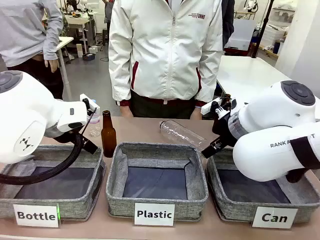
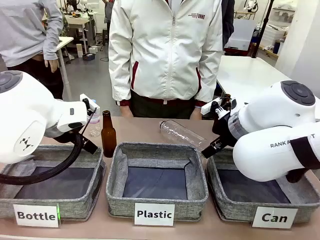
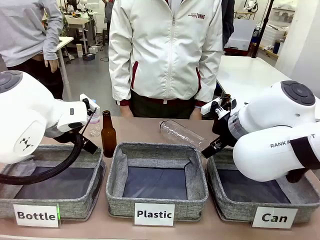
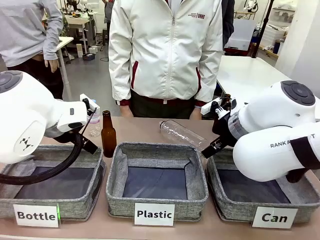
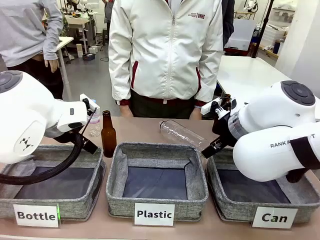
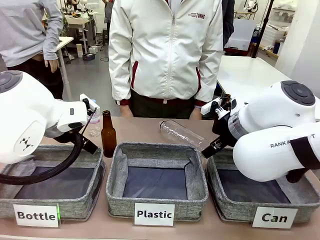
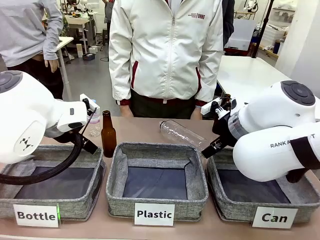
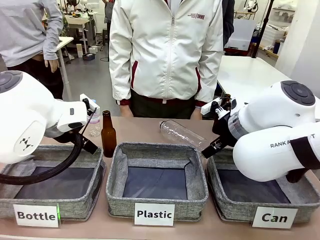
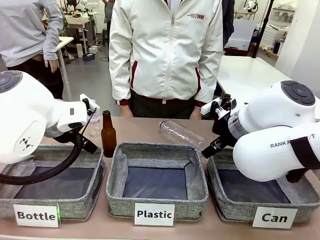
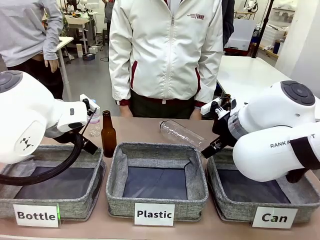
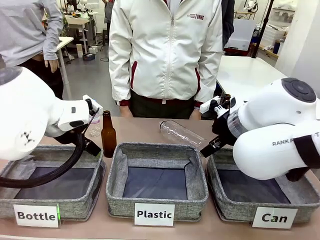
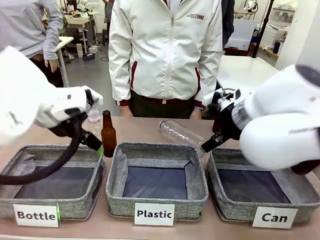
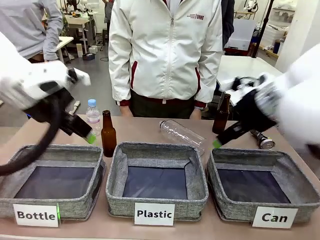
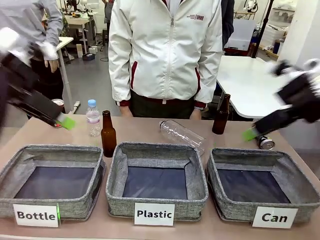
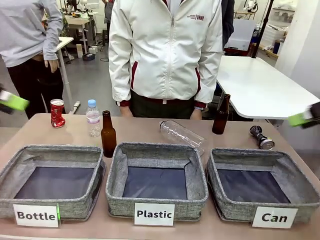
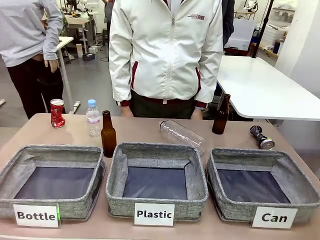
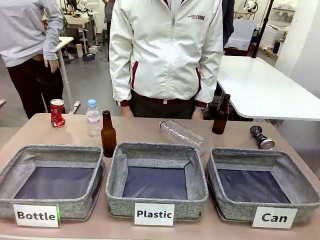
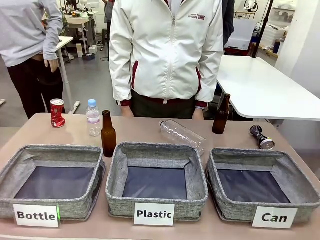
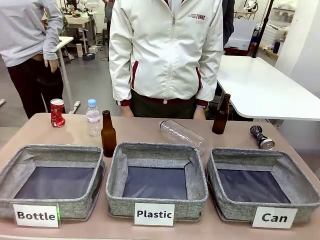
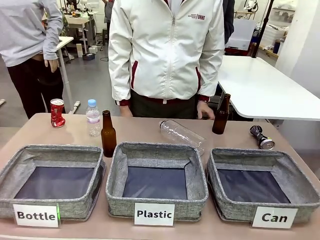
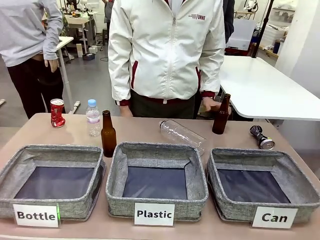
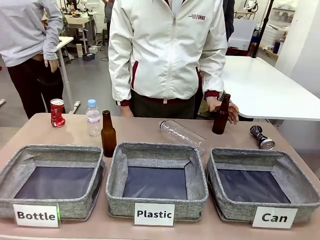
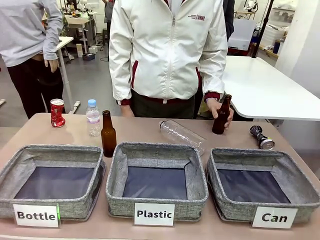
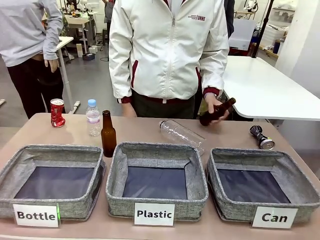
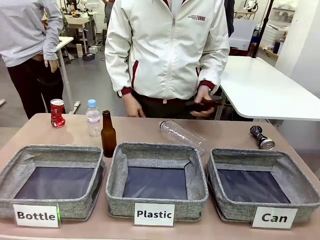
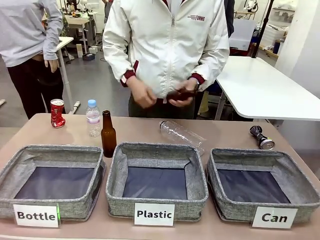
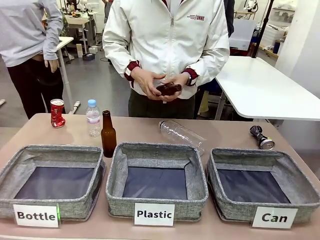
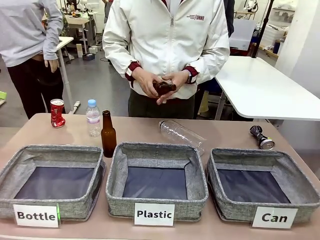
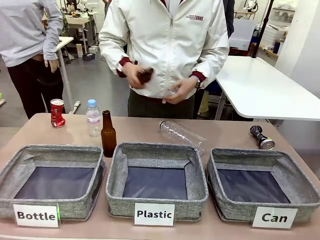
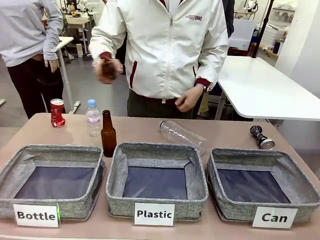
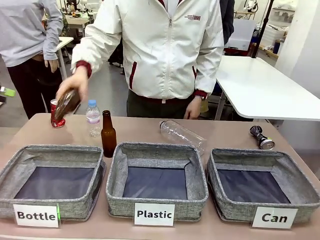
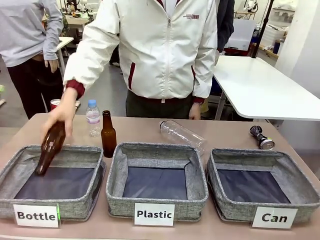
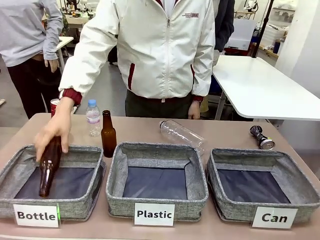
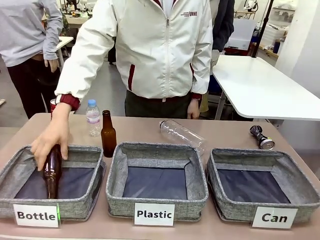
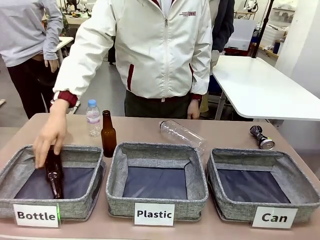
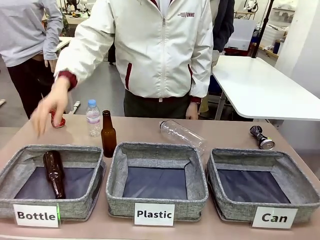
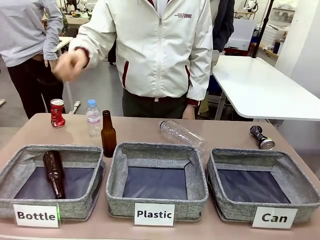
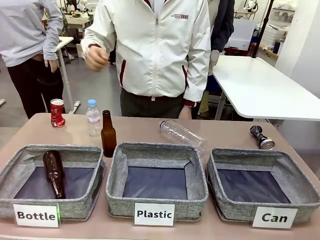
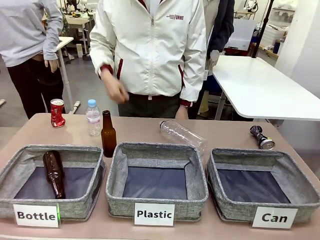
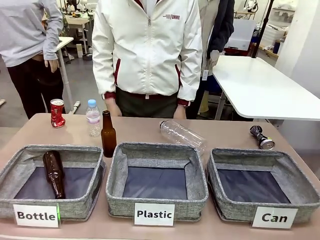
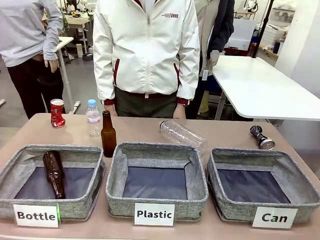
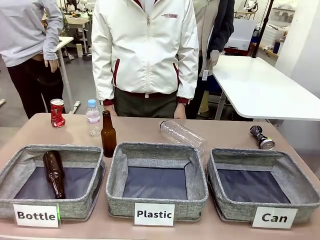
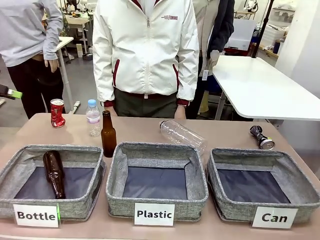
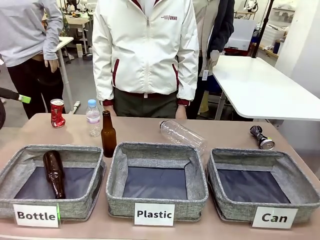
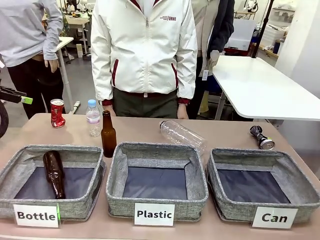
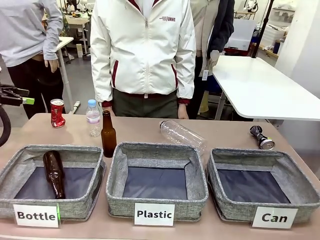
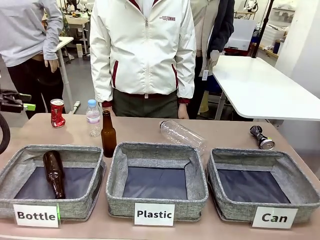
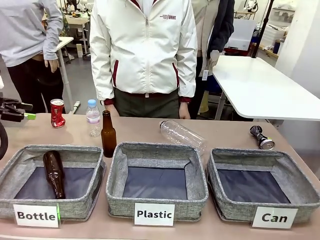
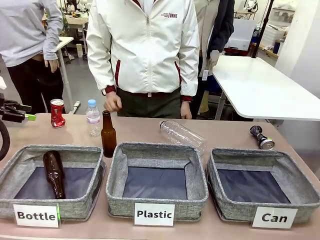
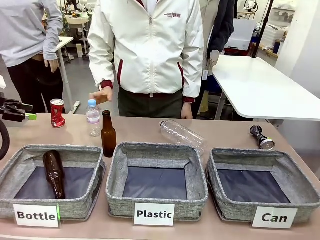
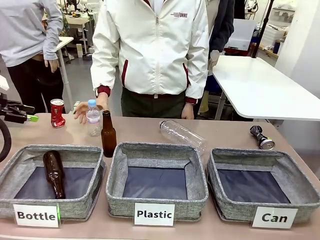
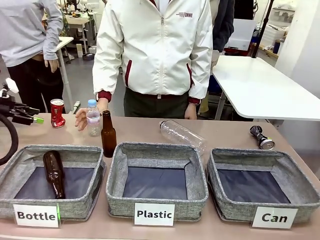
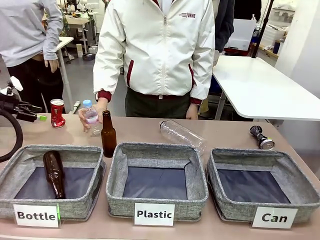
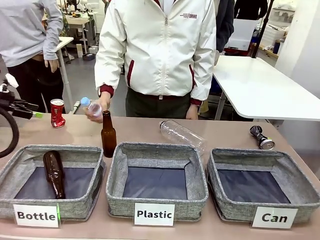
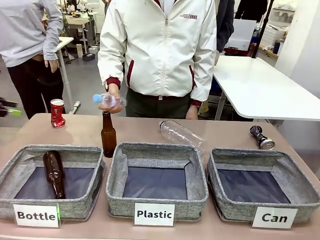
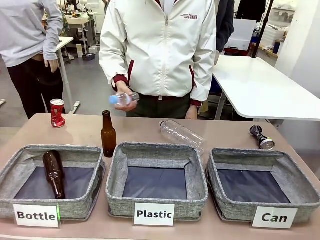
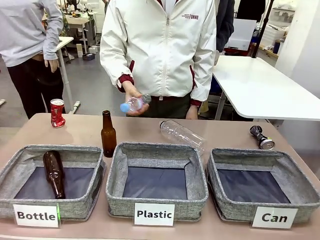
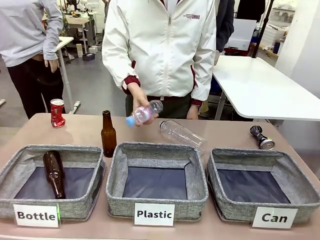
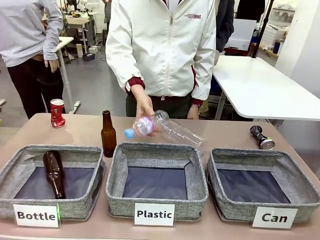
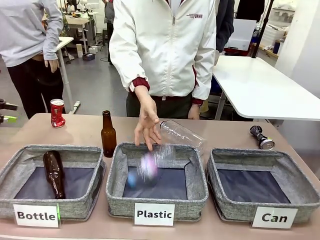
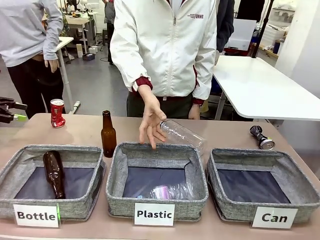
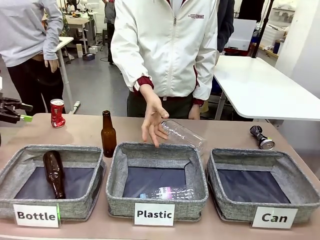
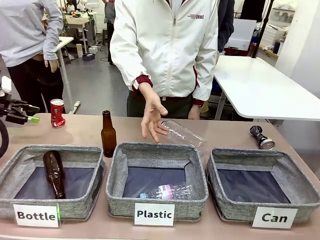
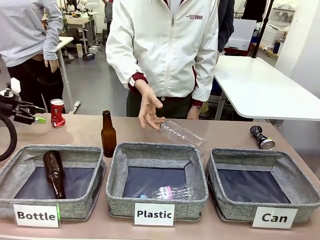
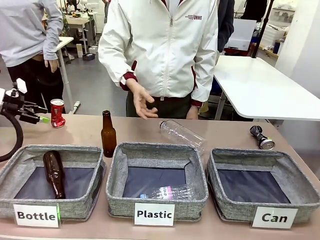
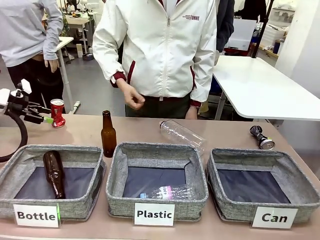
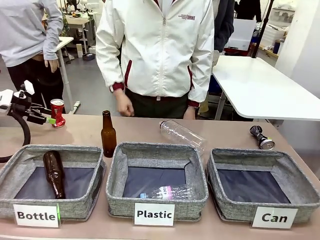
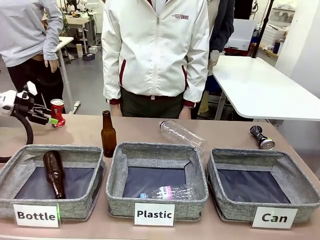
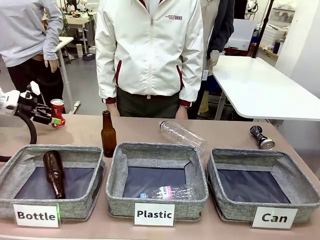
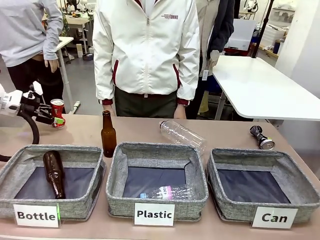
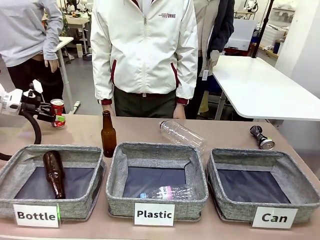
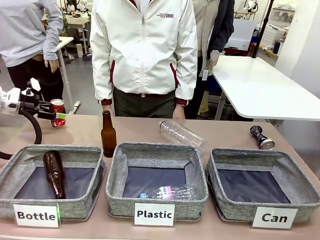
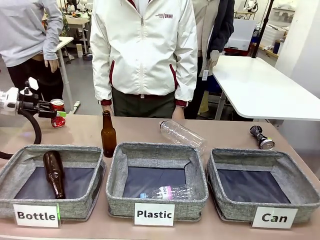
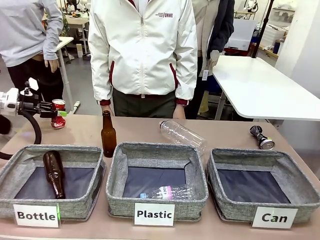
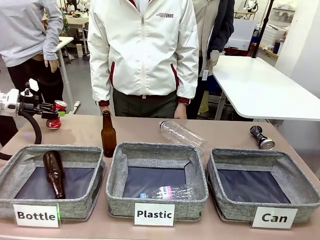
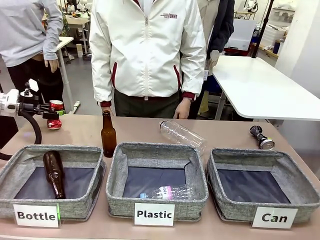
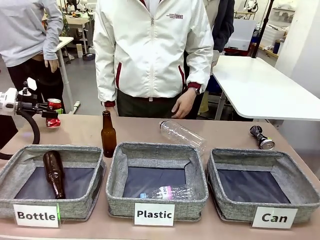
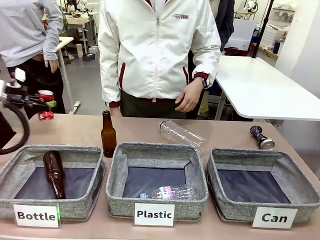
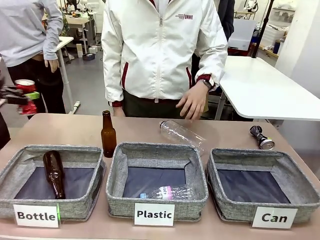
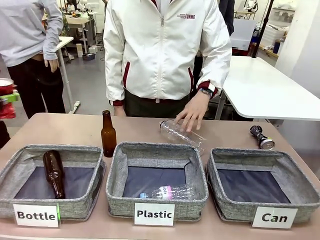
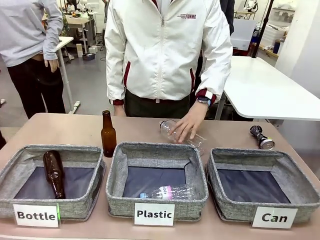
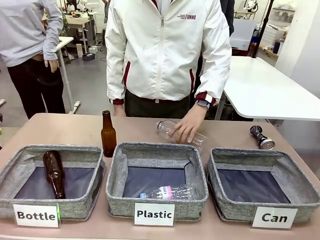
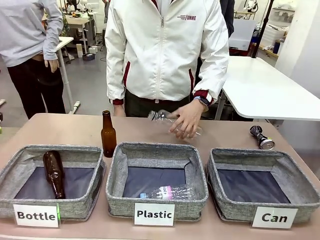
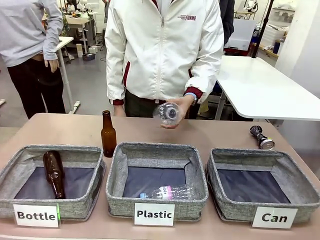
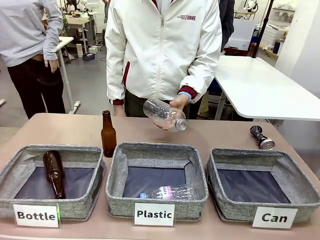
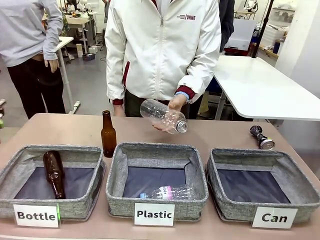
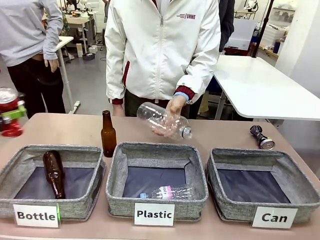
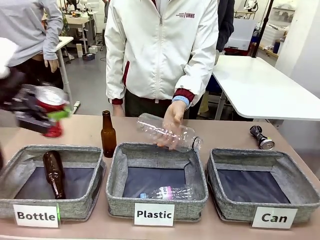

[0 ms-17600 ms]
Task: Sort the can waste into the basket.
Robot: Pick up the can waste from the table and place it in the right Fabric basket.
